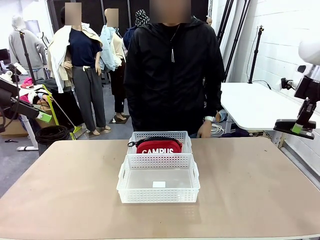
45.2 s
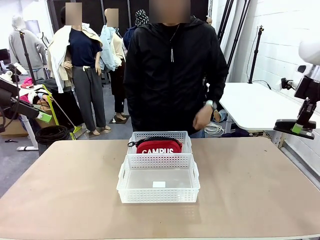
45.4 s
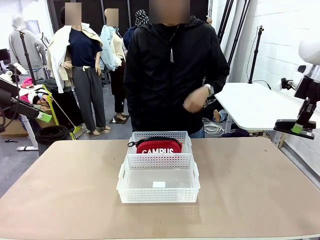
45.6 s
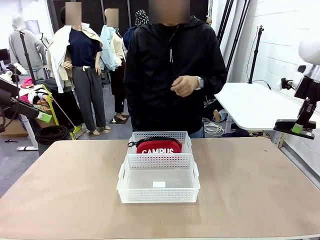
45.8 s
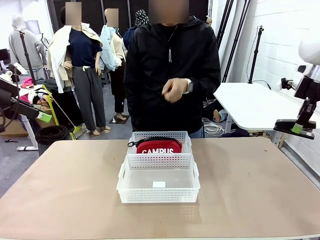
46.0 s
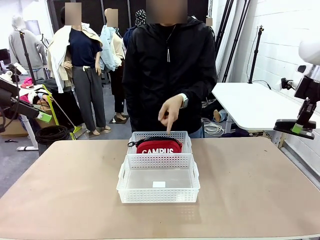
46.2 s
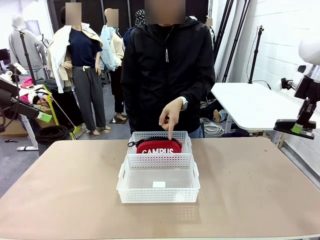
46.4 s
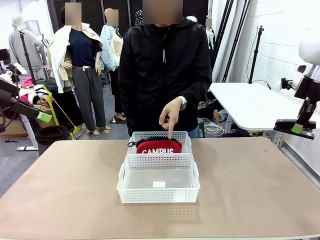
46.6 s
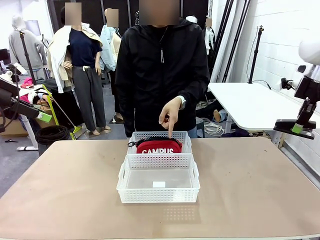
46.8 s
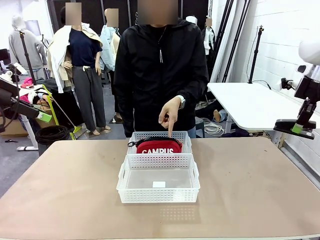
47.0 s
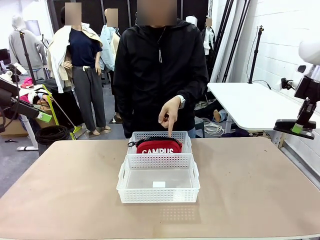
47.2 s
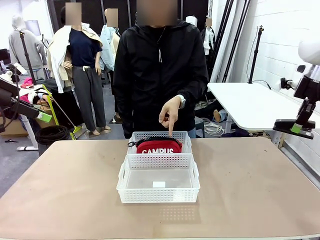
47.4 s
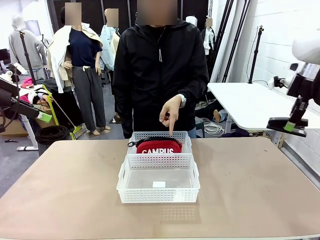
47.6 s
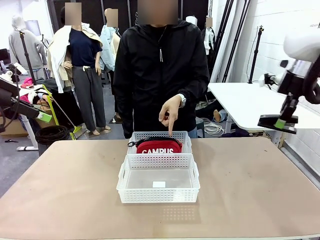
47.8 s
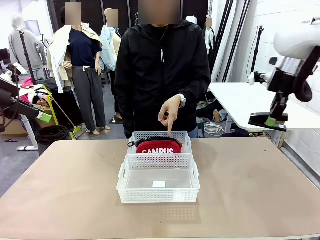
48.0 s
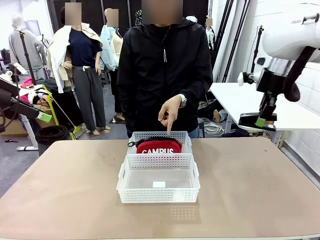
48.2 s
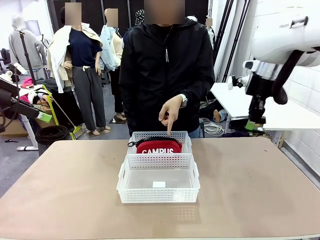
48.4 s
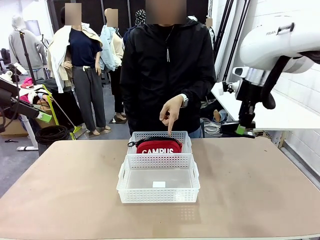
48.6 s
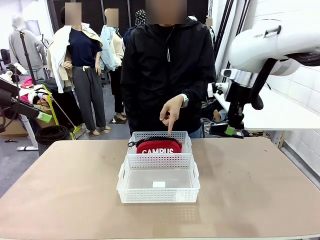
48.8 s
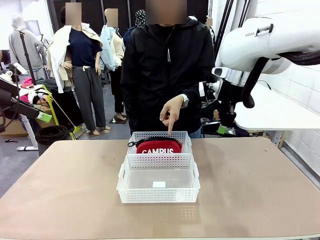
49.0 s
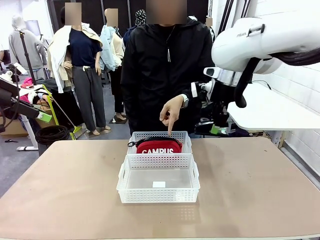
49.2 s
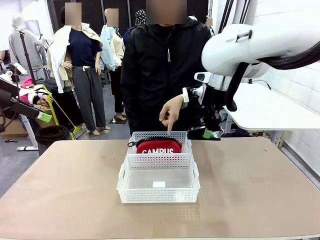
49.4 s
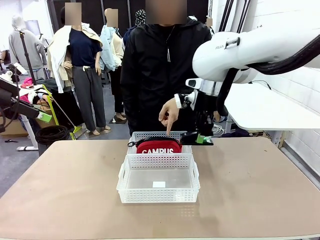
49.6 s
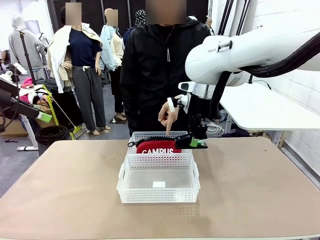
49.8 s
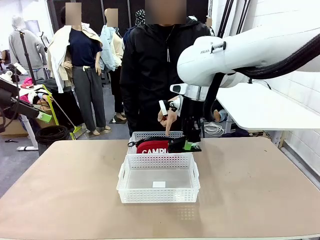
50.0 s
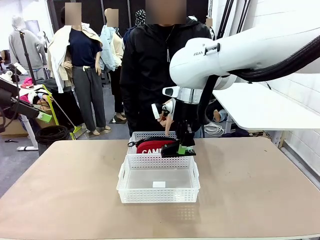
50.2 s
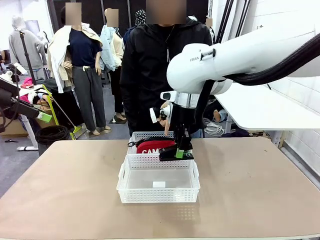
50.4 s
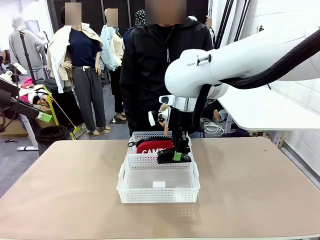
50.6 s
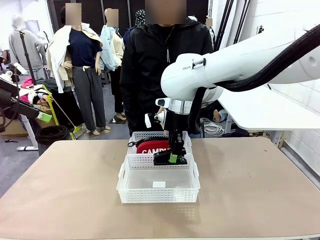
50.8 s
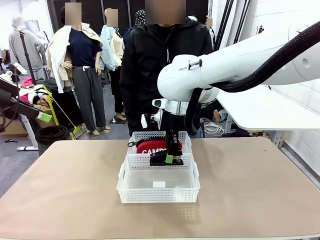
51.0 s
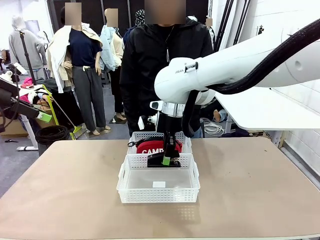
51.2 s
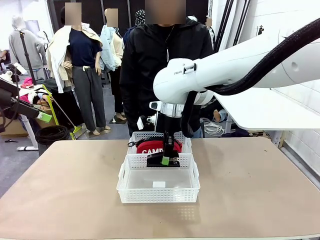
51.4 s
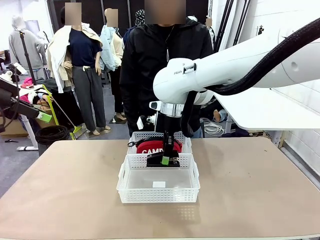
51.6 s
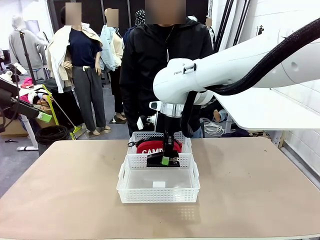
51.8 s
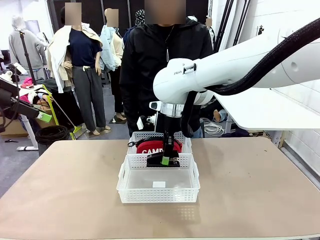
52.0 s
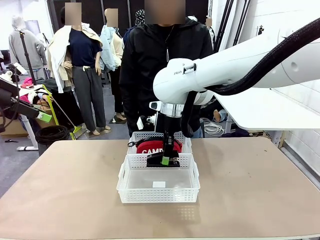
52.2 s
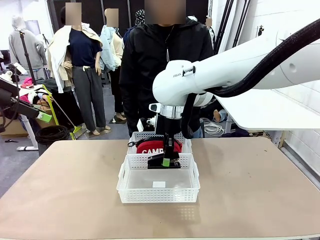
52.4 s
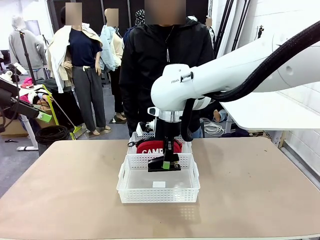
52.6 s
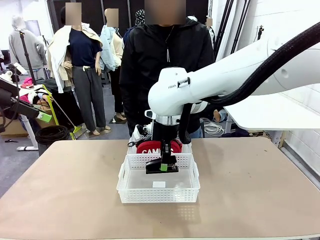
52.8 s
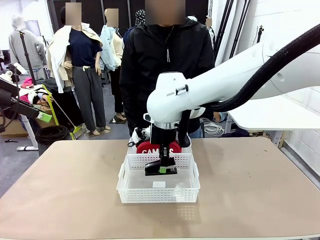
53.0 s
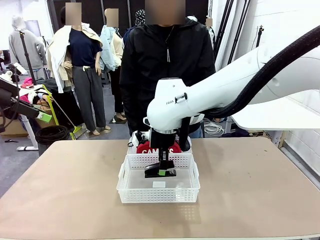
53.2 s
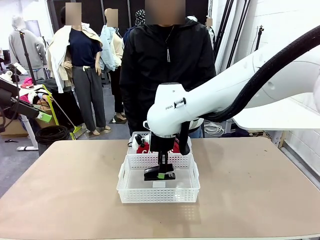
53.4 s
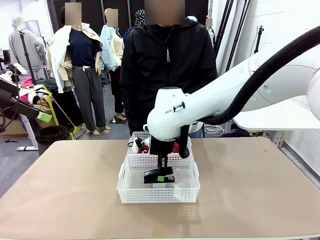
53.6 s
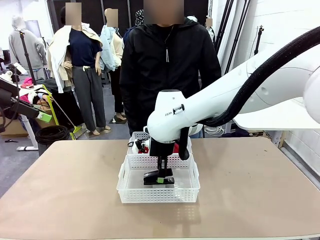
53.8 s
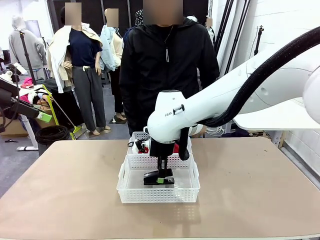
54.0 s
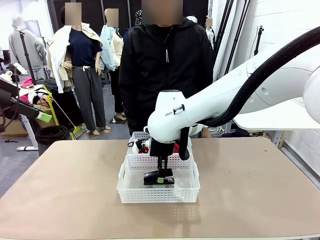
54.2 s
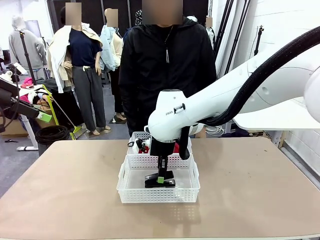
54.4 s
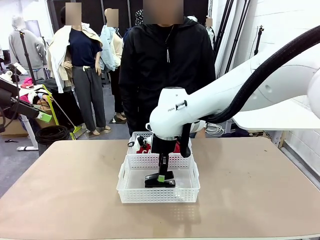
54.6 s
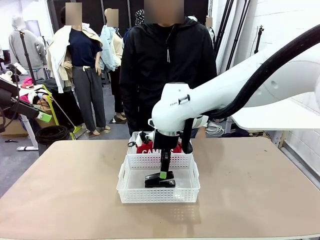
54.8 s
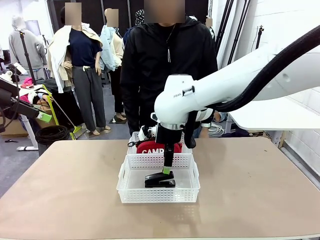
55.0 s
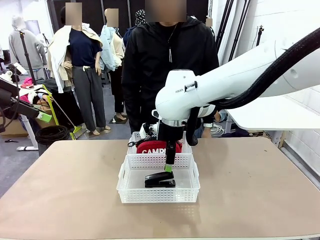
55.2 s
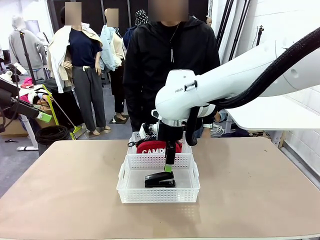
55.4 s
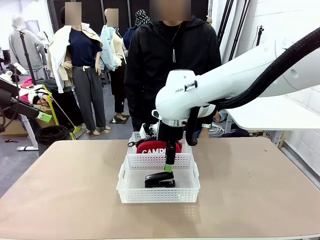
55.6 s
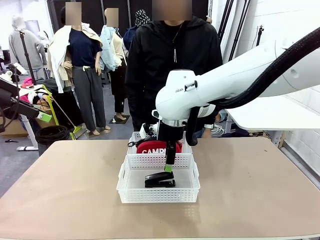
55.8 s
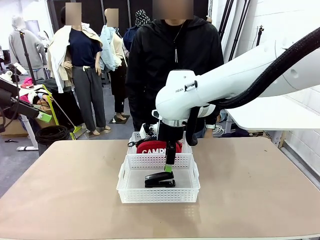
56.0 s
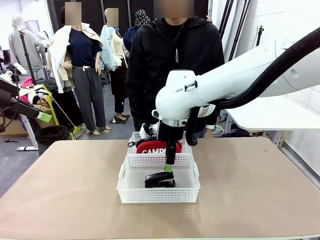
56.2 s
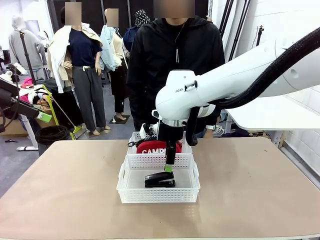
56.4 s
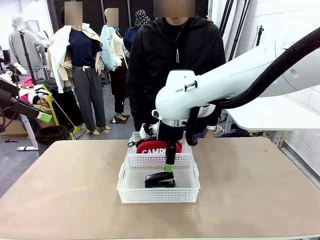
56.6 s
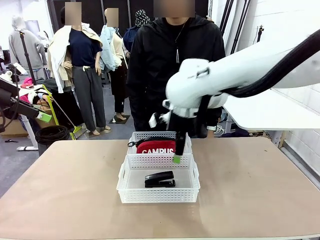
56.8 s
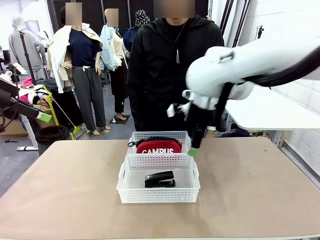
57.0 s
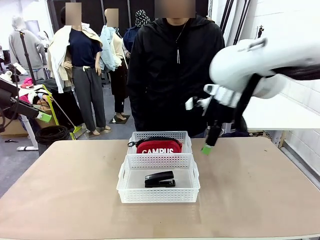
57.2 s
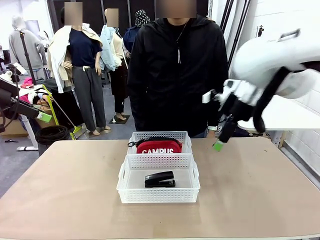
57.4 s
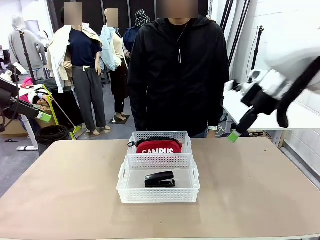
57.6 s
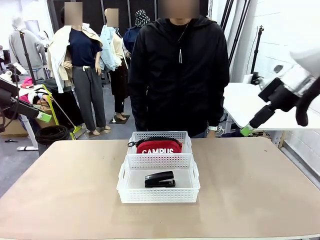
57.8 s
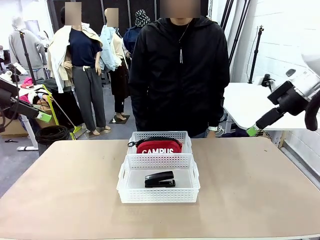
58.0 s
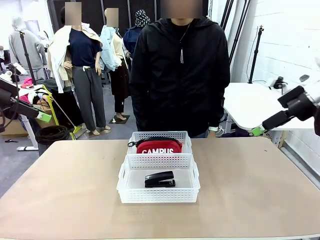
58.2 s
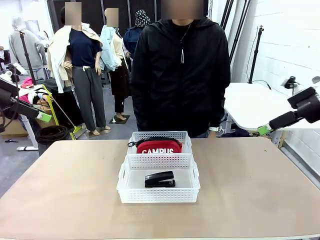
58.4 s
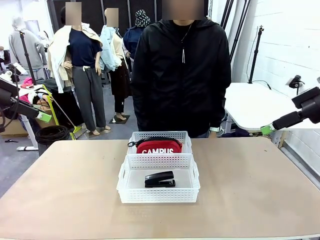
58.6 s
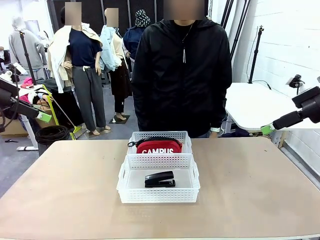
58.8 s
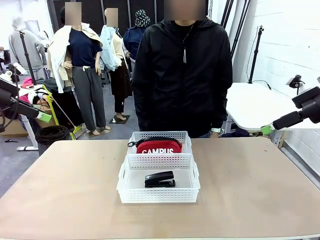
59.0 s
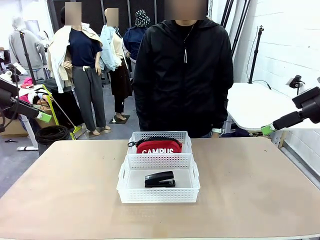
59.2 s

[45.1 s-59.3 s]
Task: Distribute items into two baskets.
Robot: Place the picked Stapler into the Organizing basket as instructed by the person.
Person: Points to the basket that does not contain the pencil case and instructs the robot to move the stapler there.

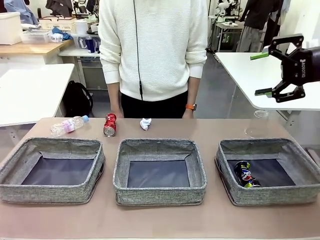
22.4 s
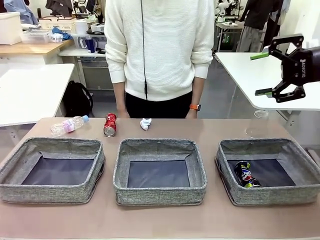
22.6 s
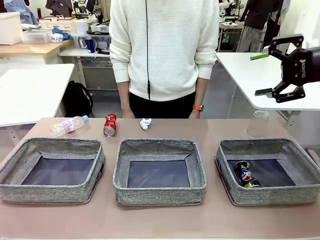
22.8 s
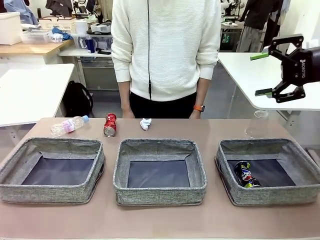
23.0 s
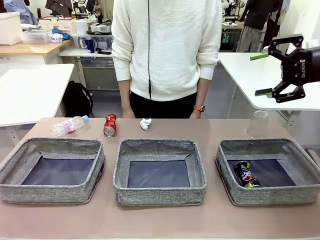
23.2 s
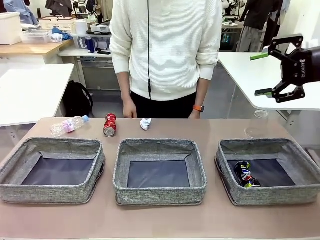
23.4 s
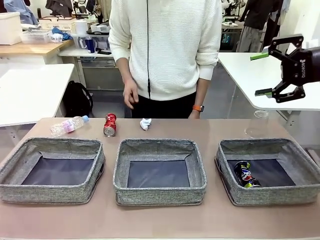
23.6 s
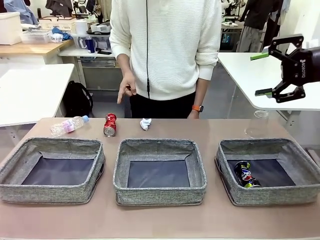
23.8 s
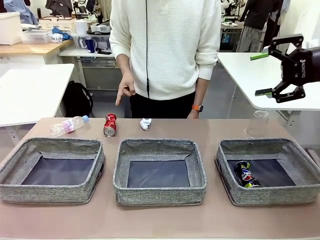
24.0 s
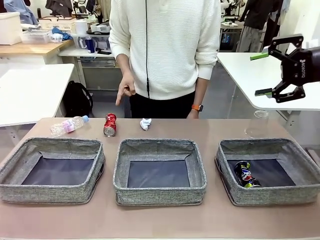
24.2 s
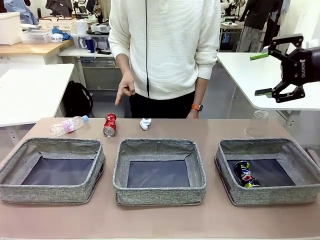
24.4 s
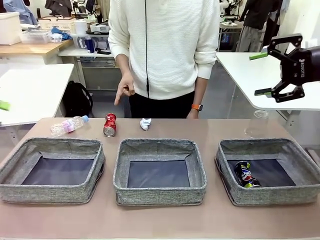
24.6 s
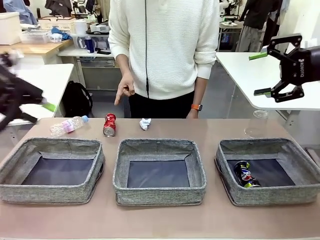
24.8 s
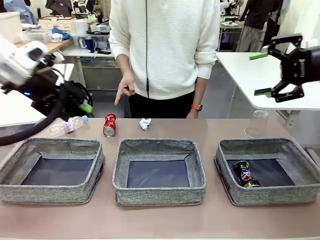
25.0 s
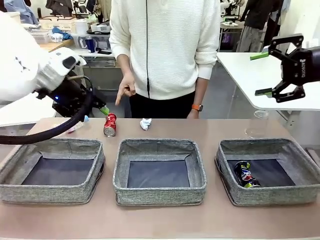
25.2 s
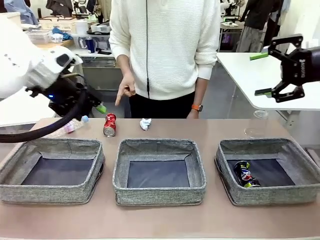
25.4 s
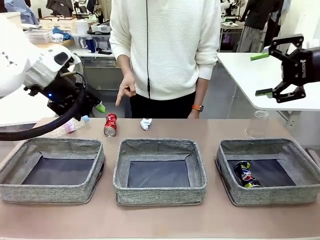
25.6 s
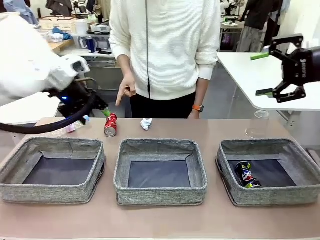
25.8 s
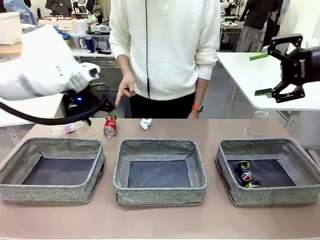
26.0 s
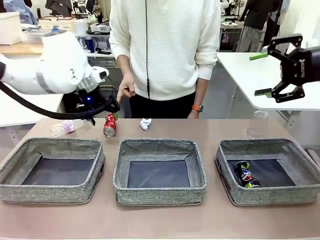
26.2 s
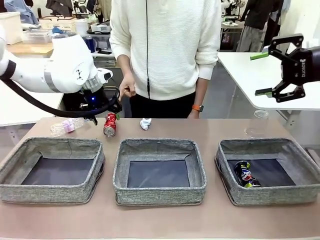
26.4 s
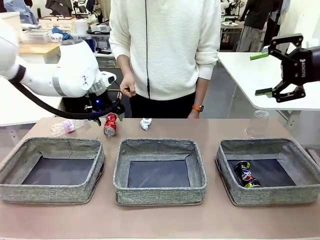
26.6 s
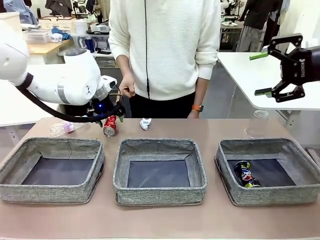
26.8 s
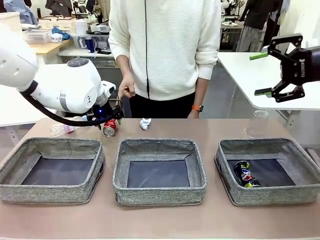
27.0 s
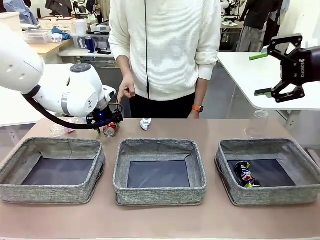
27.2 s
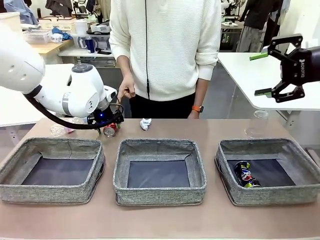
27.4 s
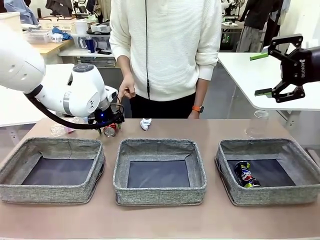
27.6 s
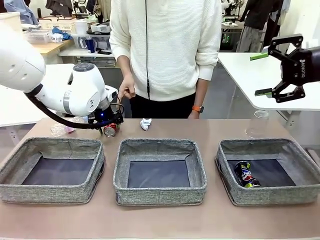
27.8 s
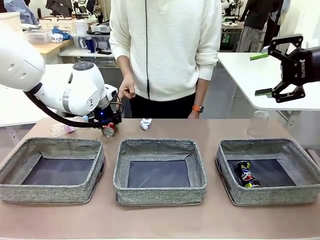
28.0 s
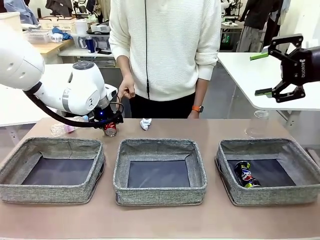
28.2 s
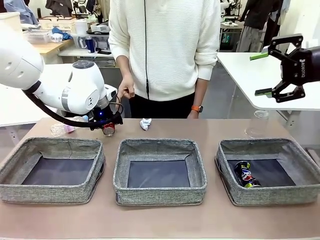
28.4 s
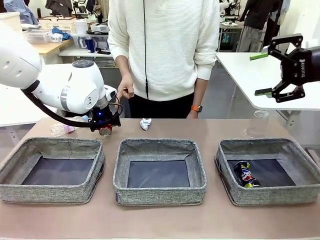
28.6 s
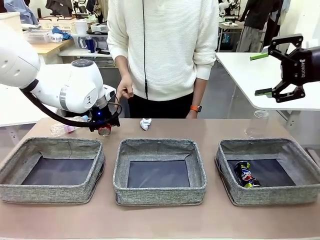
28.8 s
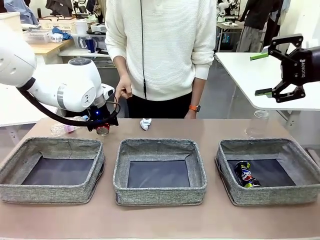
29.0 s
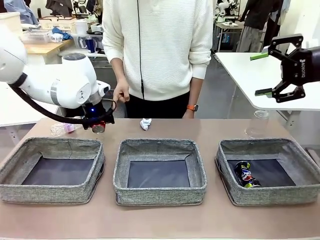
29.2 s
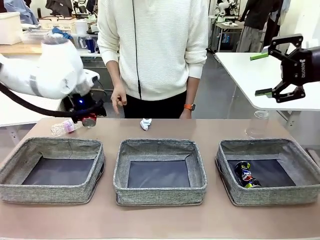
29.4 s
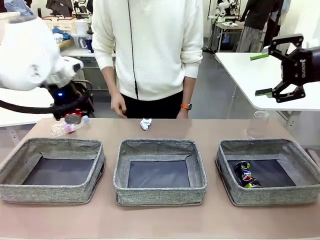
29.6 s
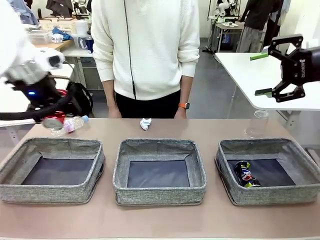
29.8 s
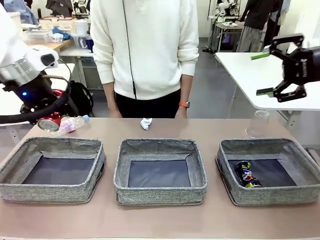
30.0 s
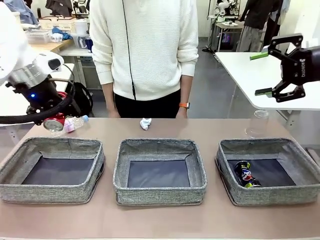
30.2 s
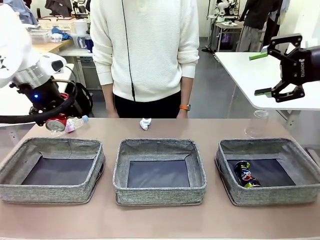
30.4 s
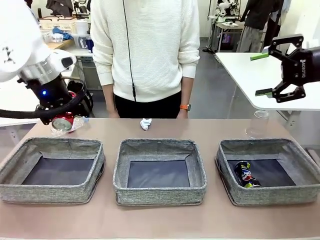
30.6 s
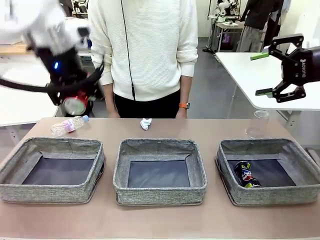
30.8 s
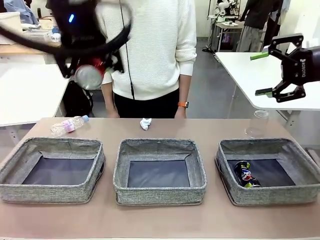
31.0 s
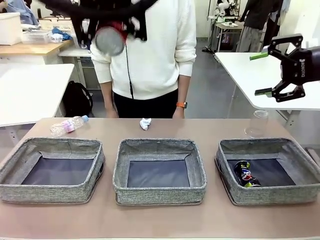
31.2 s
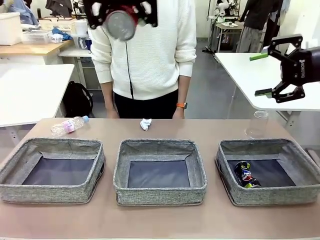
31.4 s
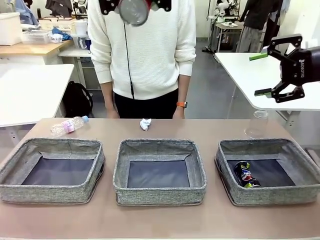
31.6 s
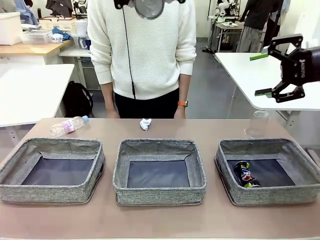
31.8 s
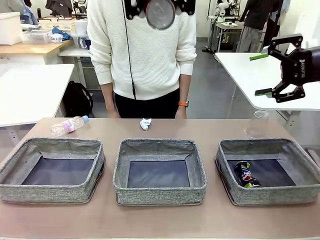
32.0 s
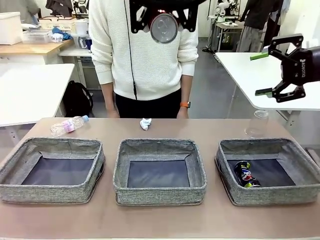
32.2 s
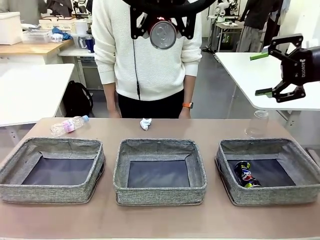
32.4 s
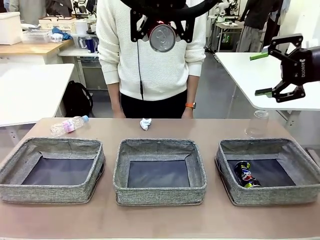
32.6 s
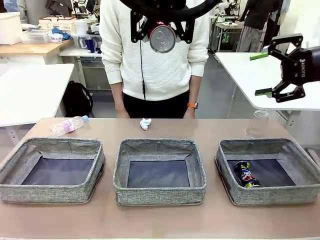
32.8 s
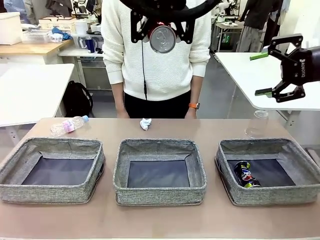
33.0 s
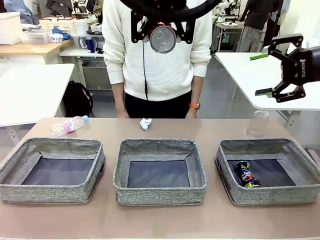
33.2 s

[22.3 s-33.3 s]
Task: Sort the waste into the appropriate baskets.
Robot: Pick up the waste item pointed out by the person.
Person: Points to one piece of trash on the table.
